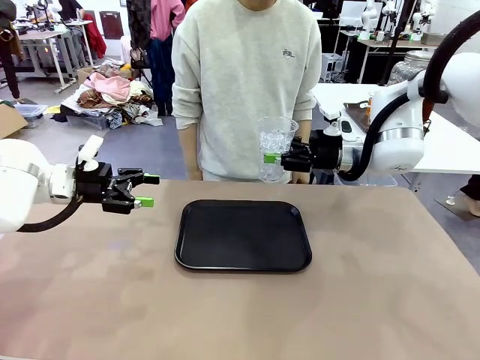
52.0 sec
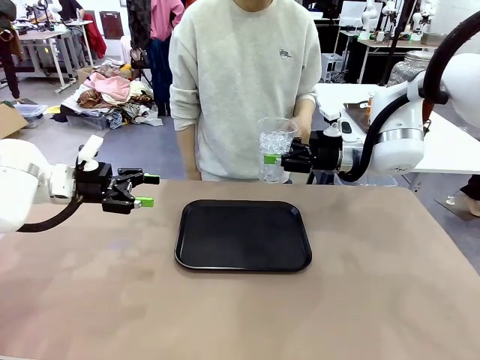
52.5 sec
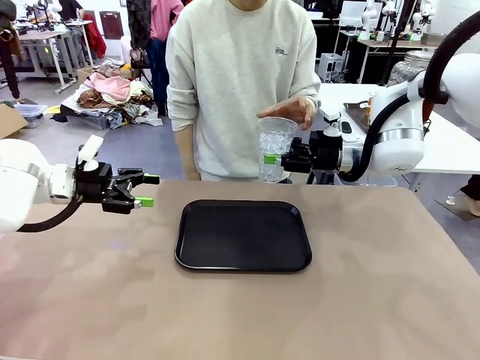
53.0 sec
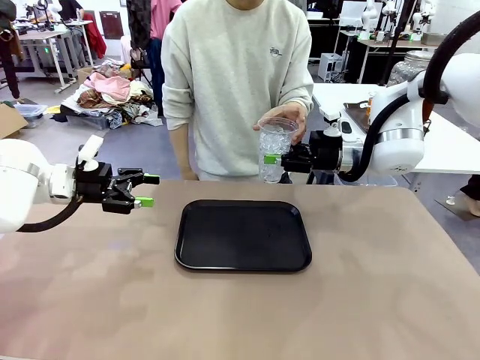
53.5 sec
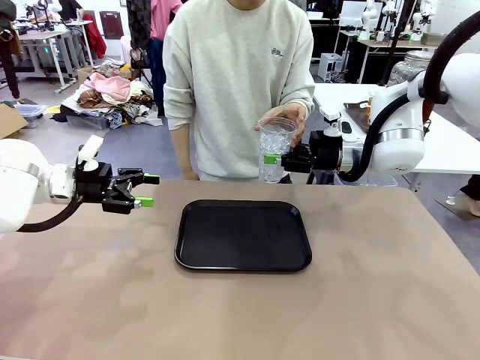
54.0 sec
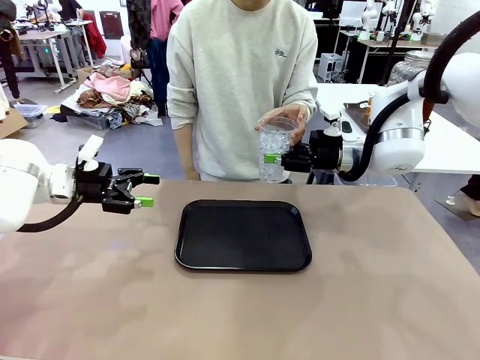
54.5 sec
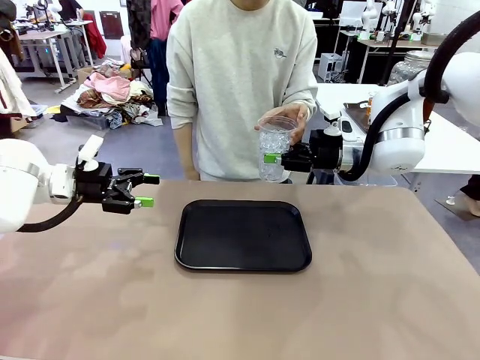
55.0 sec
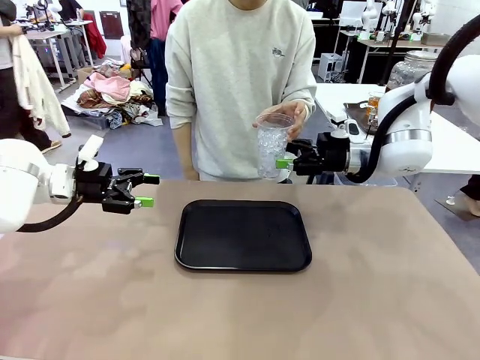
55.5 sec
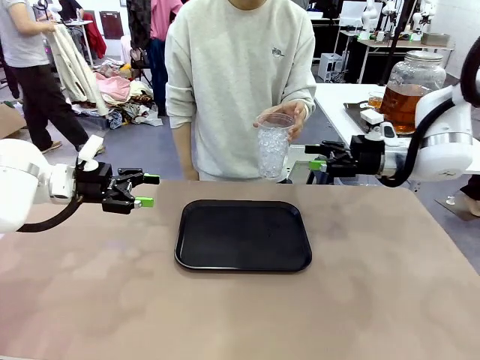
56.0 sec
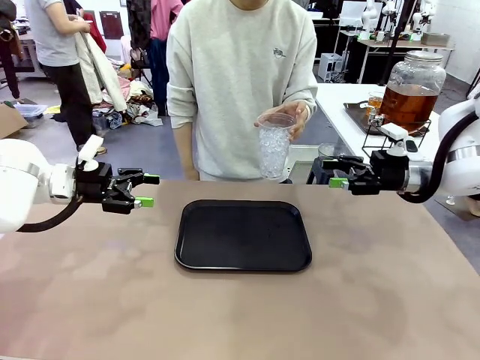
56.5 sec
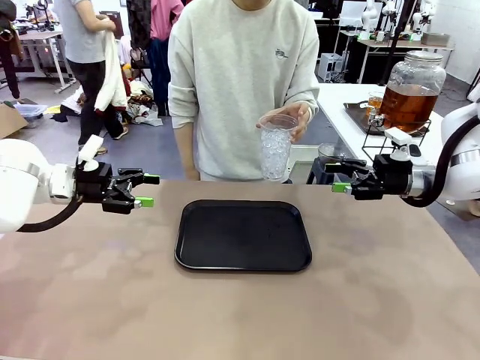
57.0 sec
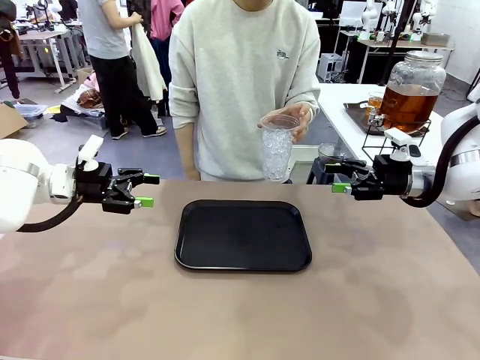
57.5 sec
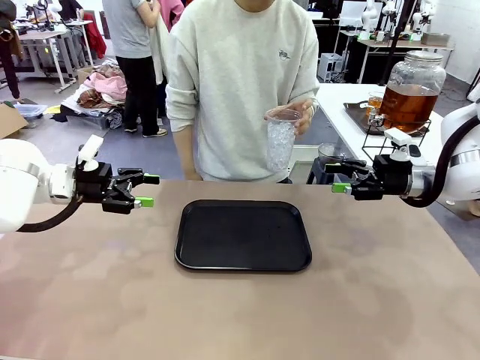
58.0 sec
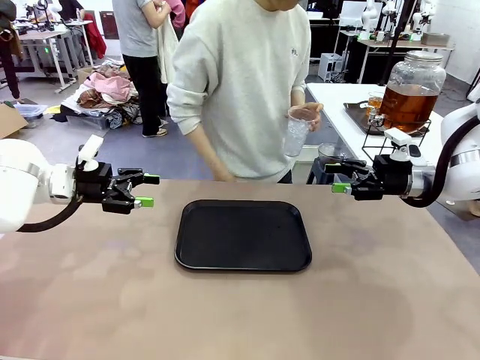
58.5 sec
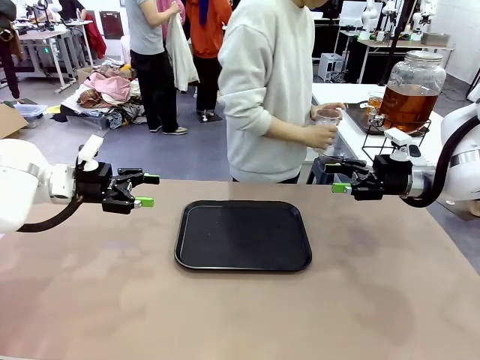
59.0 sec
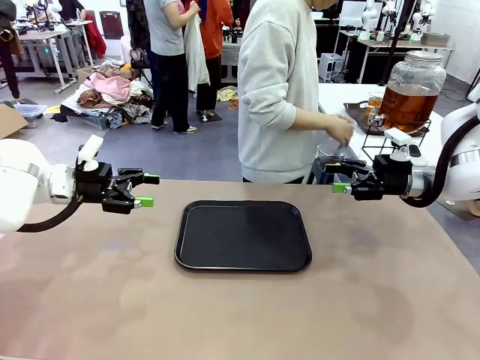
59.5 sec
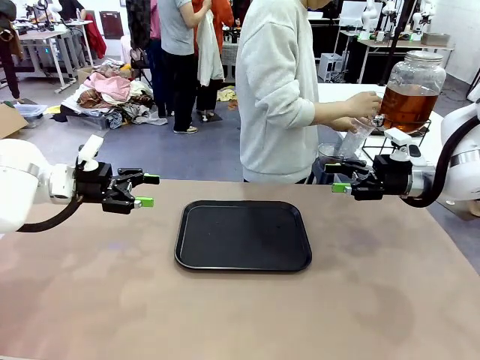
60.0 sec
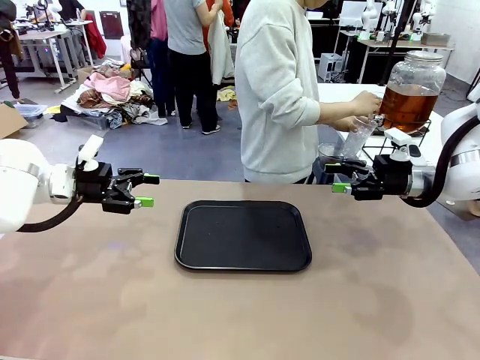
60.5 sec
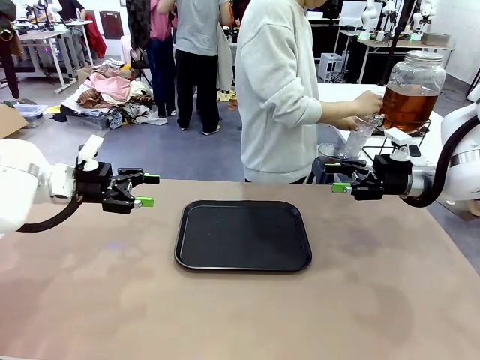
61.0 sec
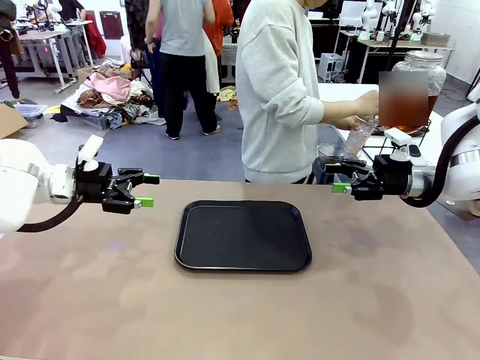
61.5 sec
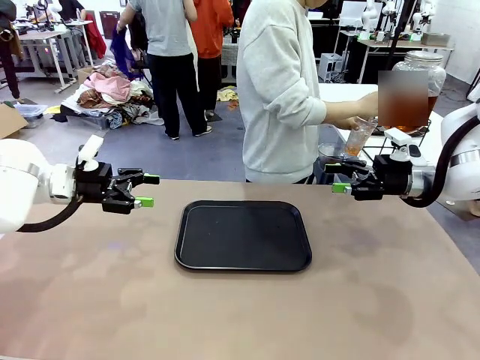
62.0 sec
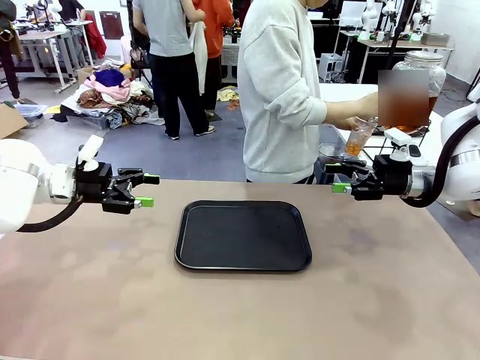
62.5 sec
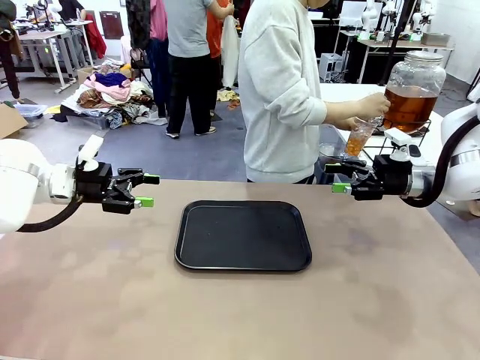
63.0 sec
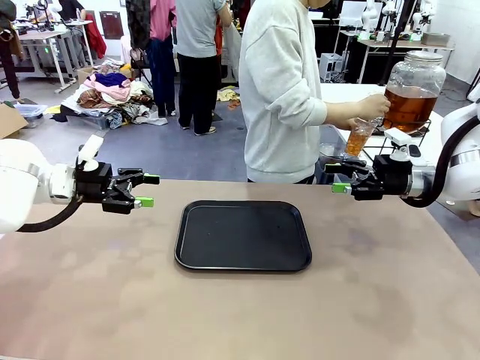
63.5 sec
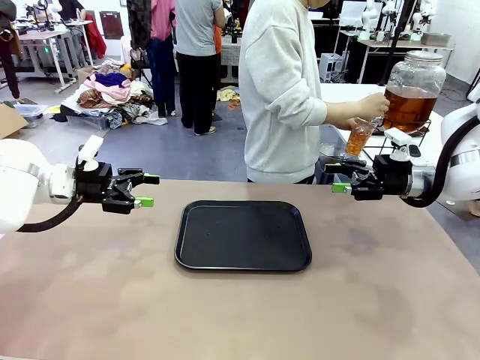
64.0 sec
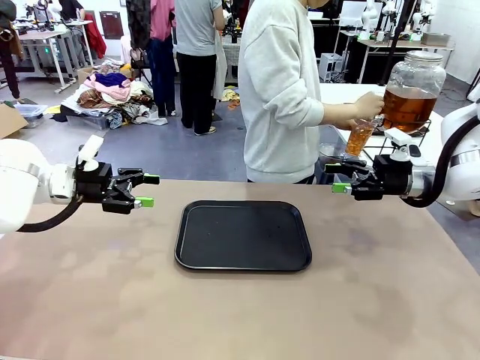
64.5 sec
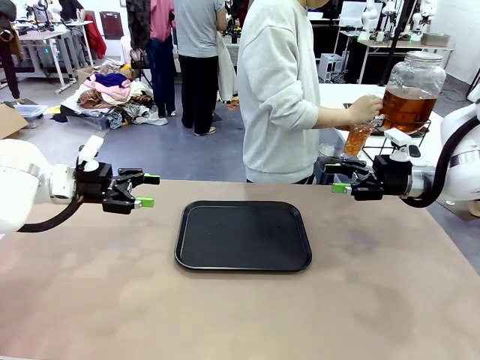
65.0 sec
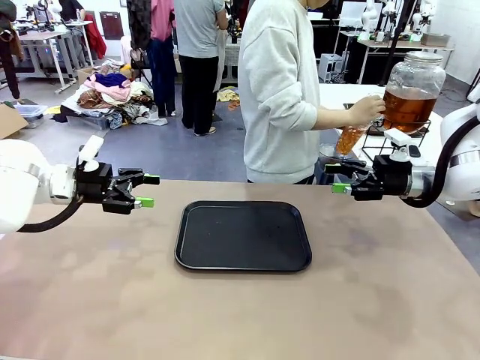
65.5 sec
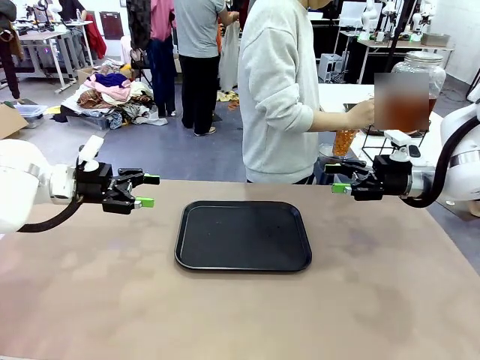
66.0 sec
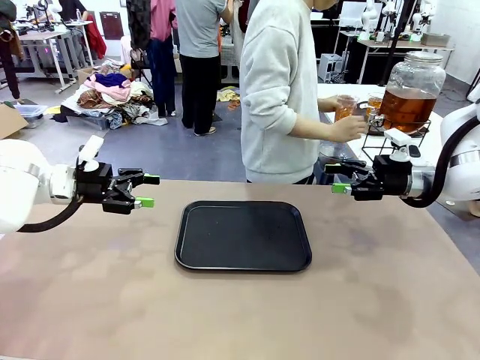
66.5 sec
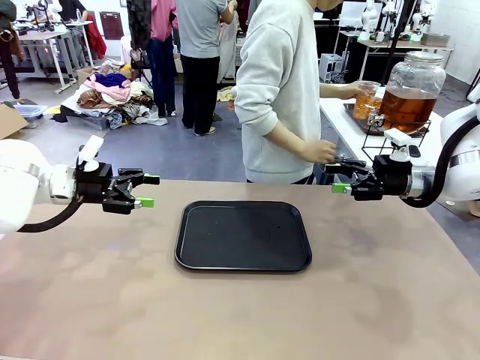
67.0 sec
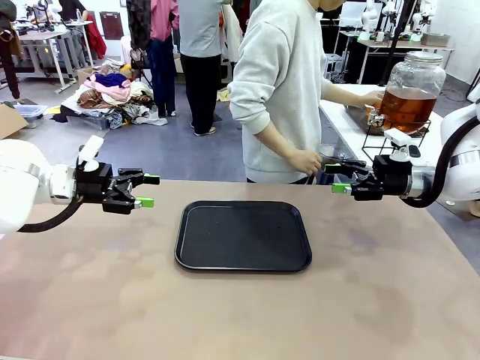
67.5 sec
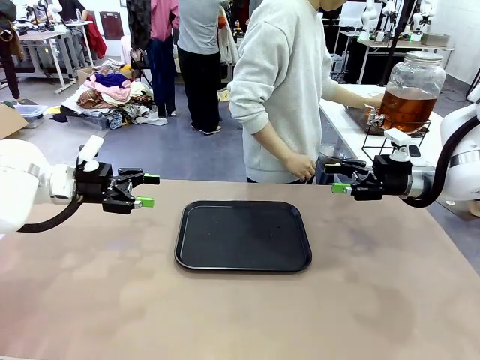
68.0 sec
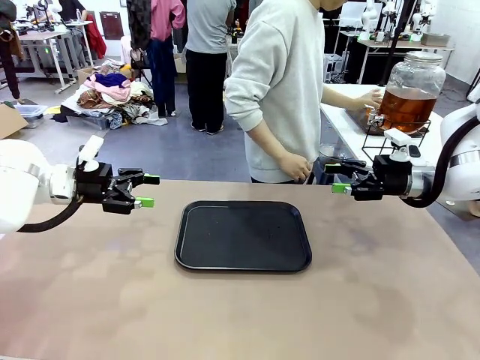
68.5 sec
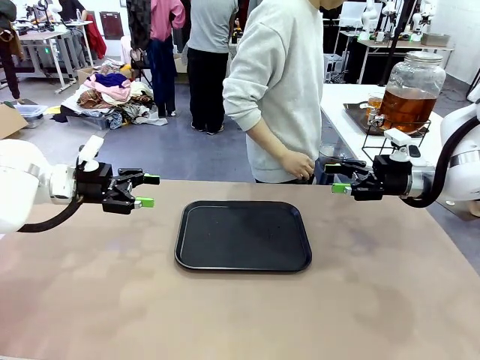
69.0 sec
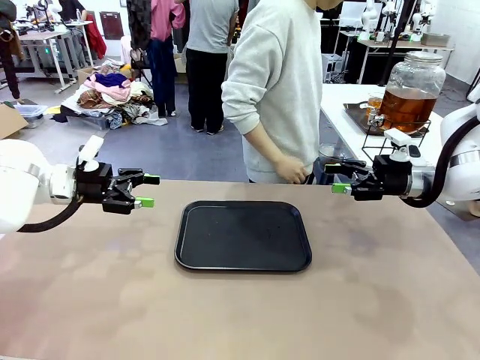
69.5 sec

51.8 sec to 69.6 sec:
Task: Pour the drink into the iced cup.
Robot: Open the gripper to release the iced cup you were holding.
Person: Move the picked-up cup under the dispenser faucet, pour the drink, and place it on the tray on the human table.
